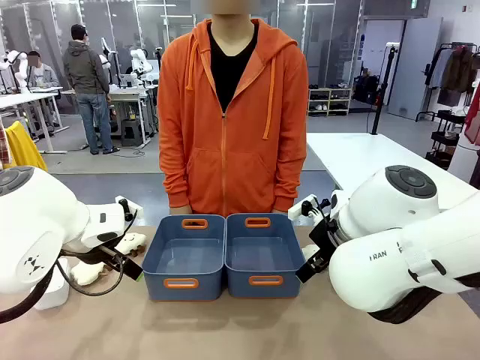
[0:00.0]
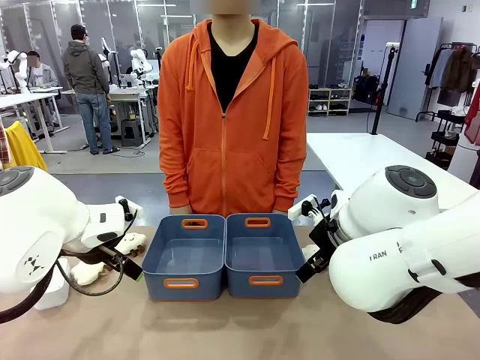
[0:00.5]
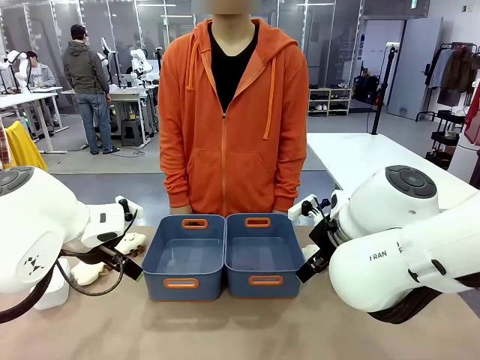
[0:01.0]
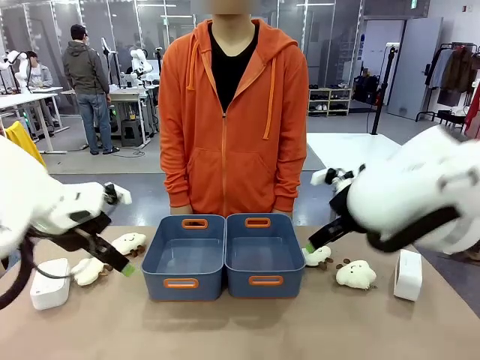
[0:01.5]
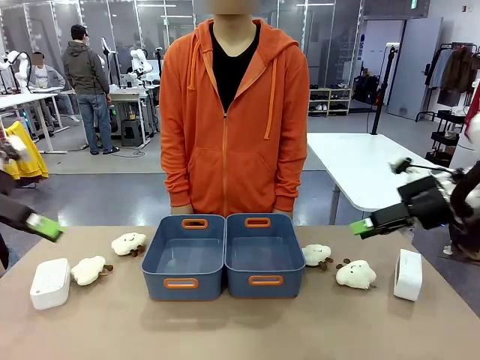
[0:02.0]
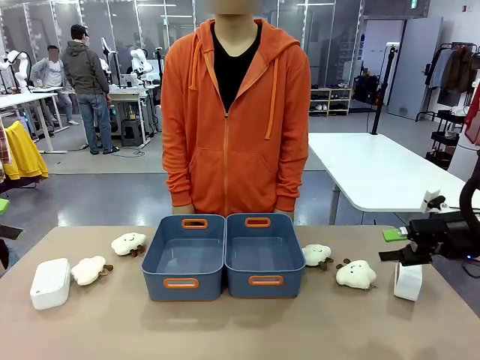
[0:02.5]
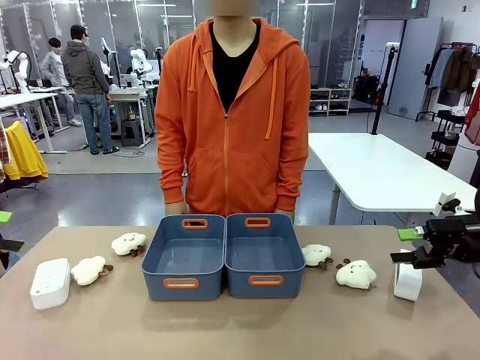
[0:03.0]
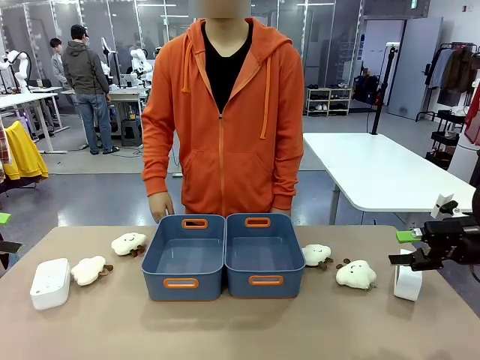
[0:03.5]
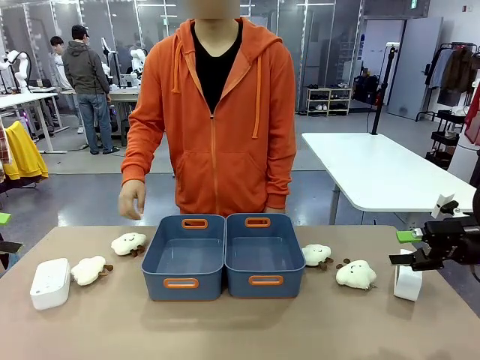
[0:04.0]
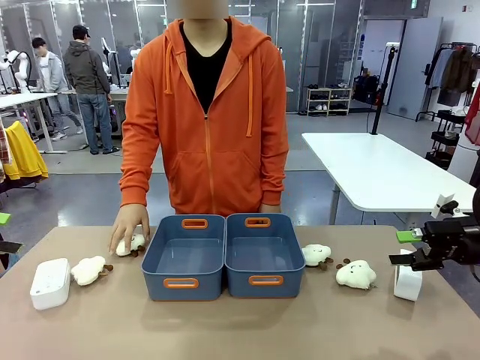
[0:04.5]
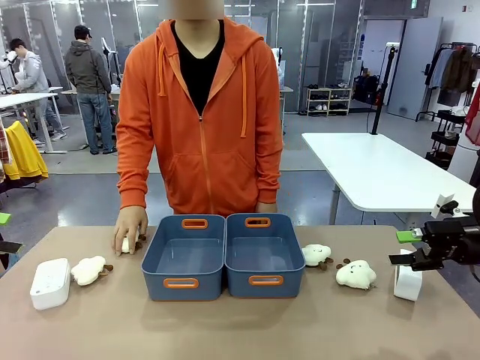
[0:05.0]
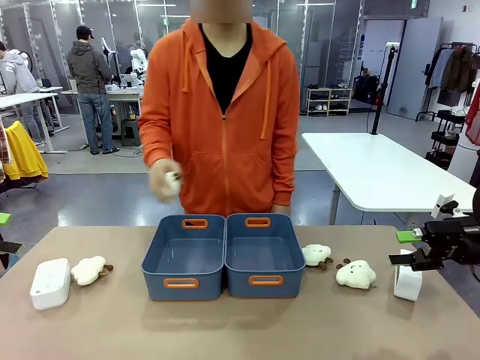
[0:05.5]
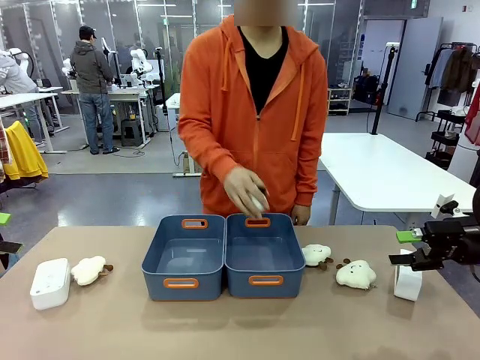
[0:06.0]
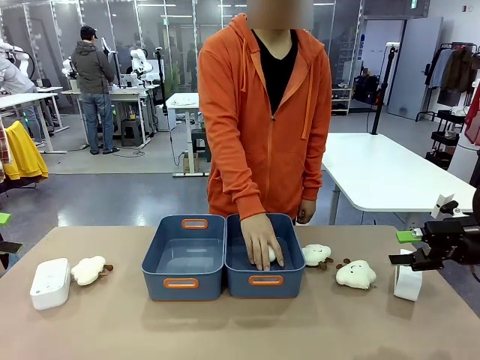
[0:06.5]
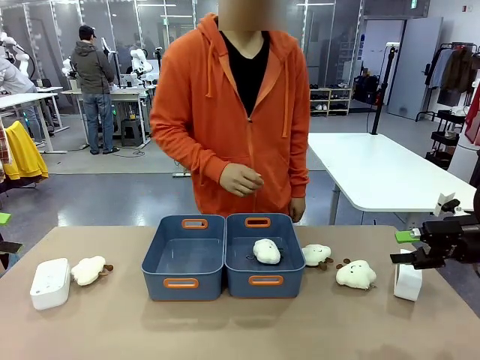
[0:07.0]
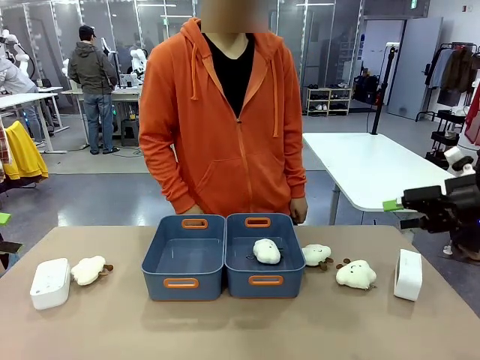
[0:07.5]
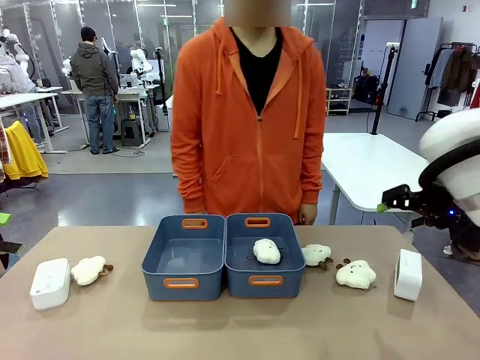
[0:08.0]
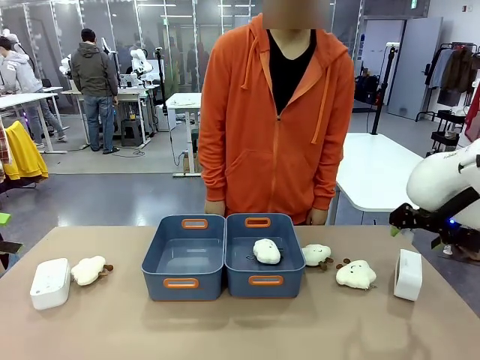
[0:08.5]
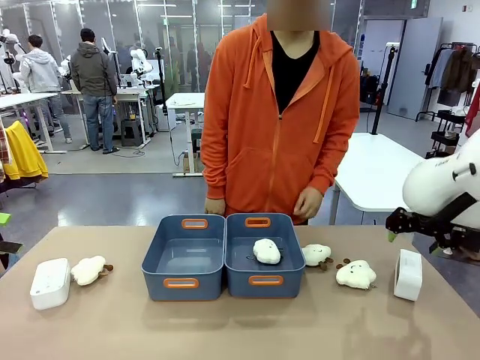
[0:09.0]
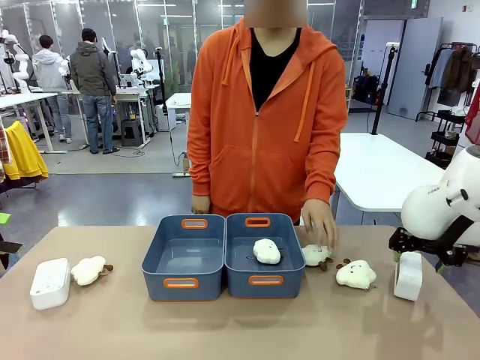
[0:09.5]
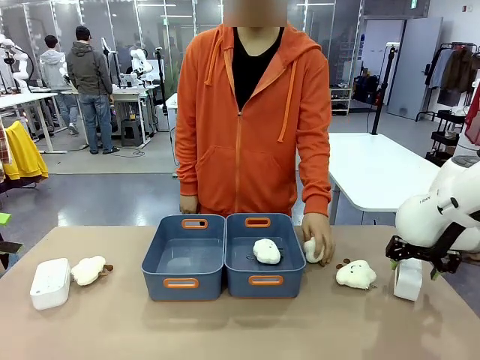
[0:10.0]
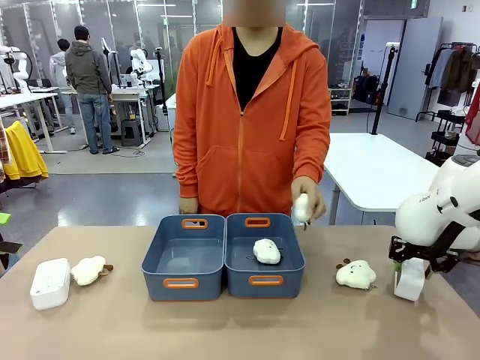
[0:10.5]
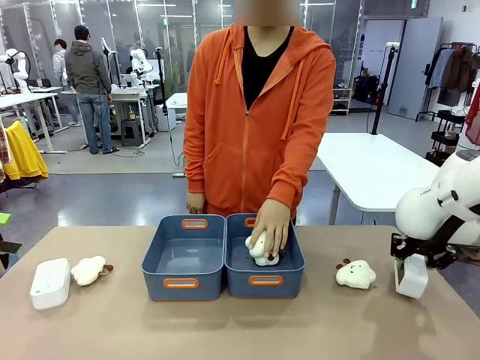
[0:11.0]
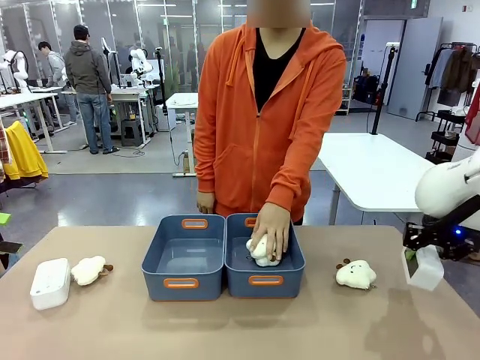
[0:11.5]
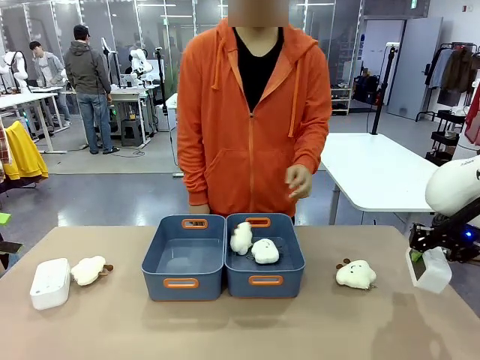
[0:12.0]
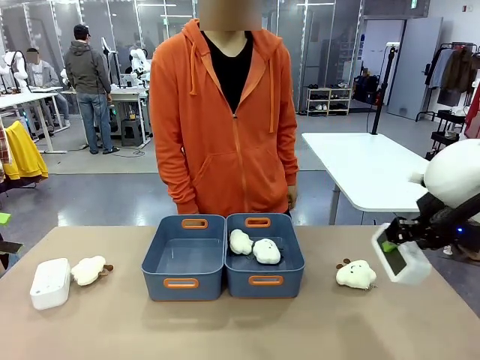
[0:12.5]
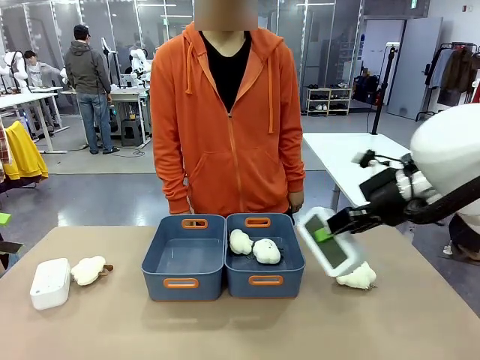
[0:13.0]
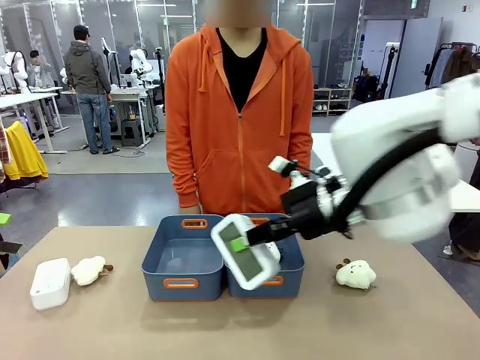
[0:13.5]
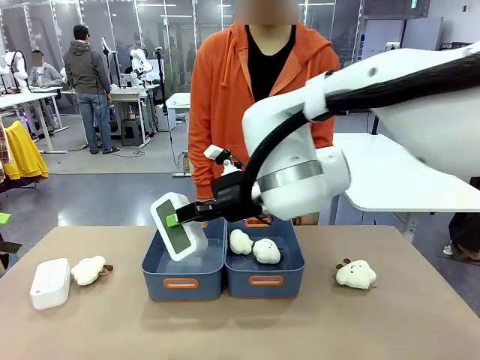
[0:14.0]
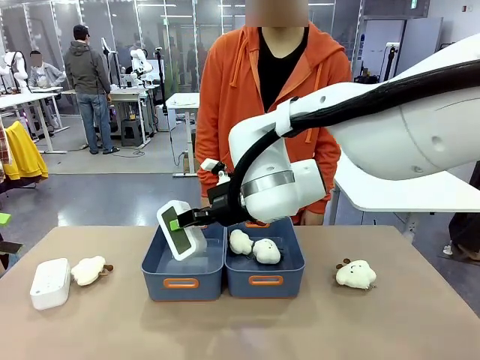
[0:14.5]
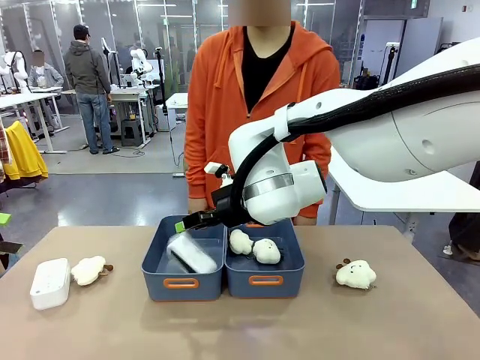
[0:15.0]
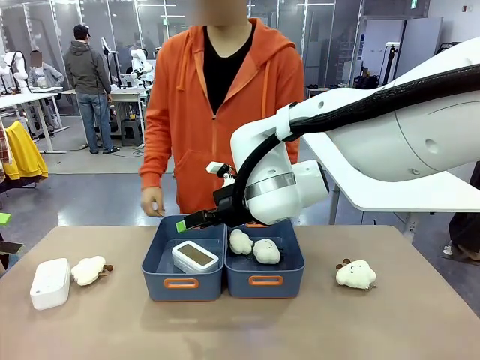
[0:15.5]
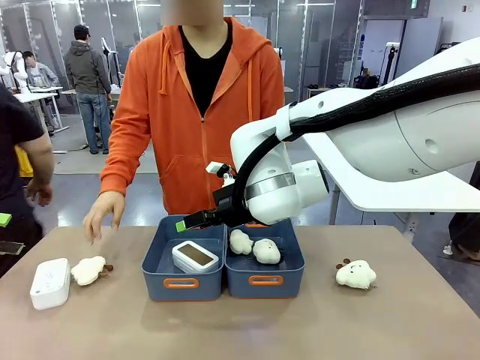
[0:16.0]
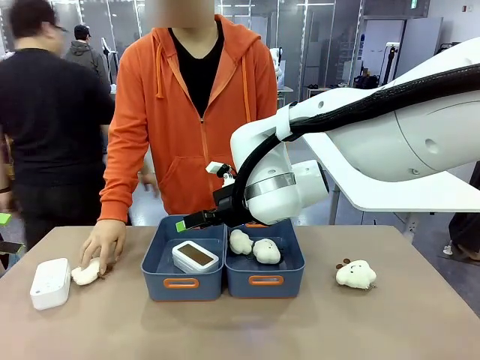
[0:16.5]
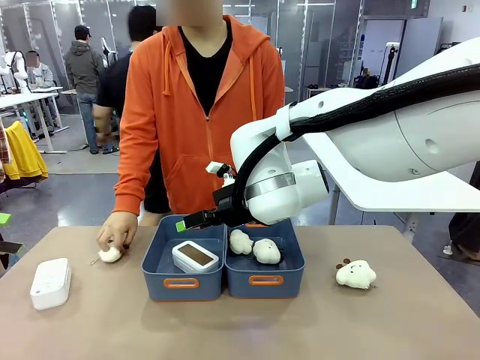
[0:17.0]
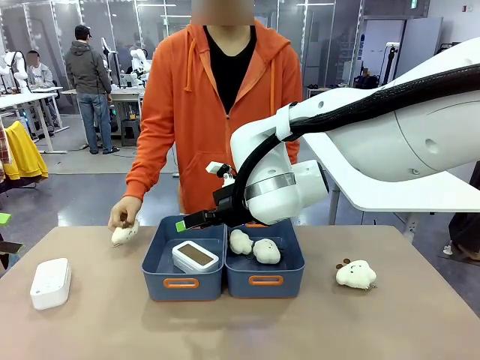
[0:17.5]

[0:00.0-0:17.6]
Task: Sort the digital clocks into the basket.
Robot: Pick up the Digital clock from the table and place it into the empty Plastic storage basket.
Person: Pick up a plush toy from the table and place it in a plastic storage basket.

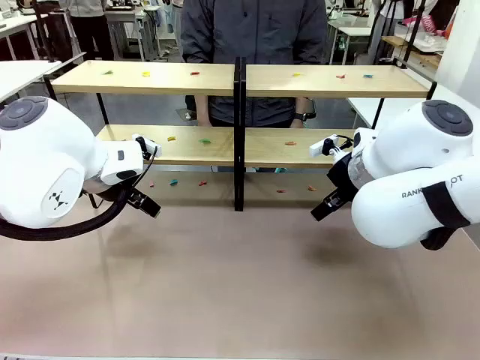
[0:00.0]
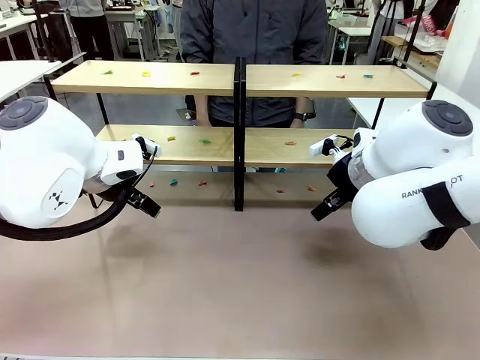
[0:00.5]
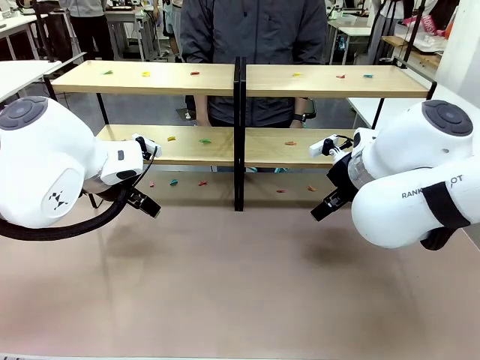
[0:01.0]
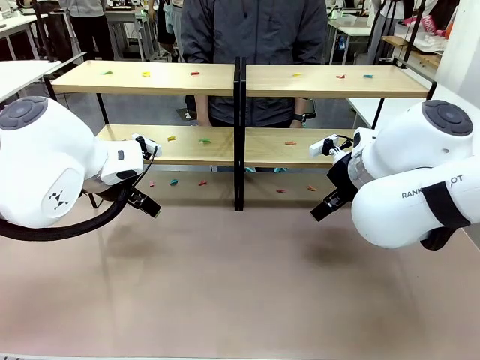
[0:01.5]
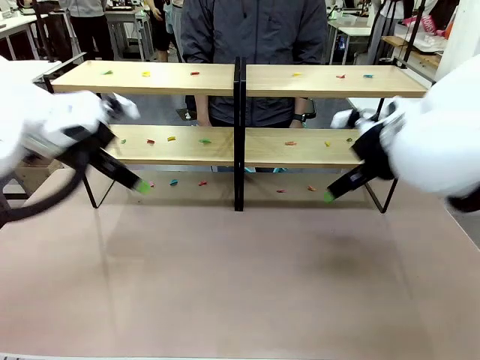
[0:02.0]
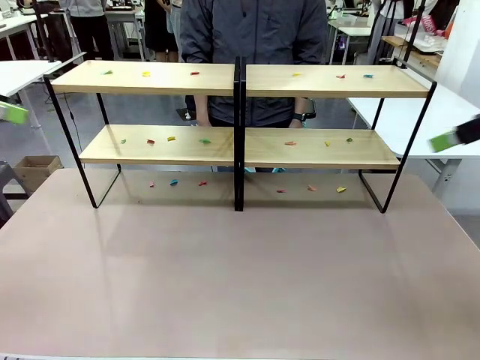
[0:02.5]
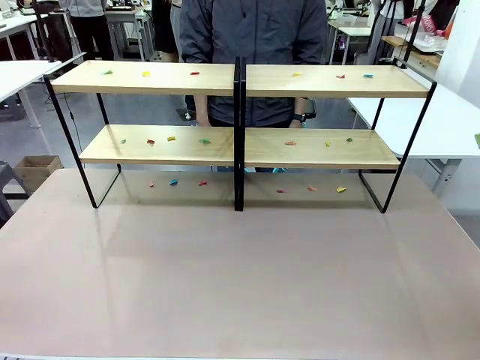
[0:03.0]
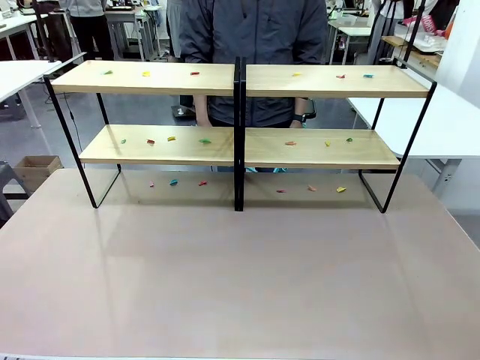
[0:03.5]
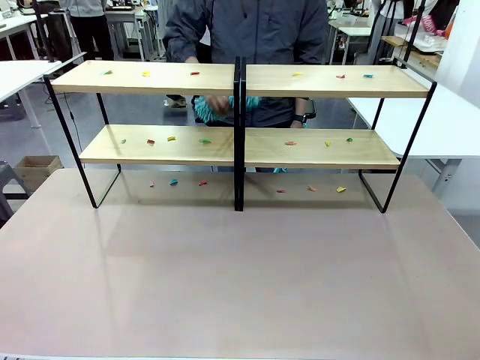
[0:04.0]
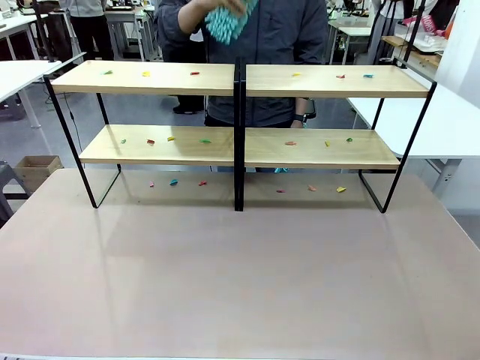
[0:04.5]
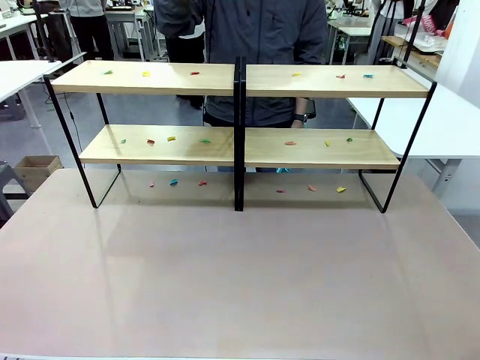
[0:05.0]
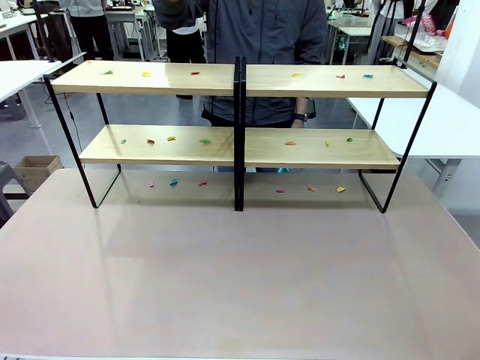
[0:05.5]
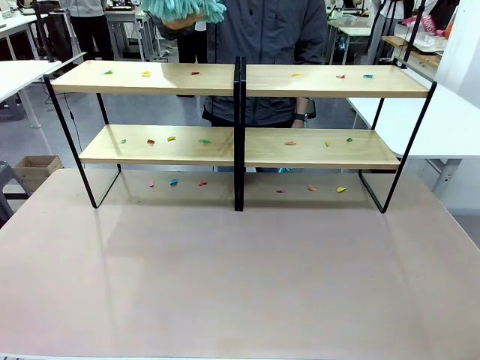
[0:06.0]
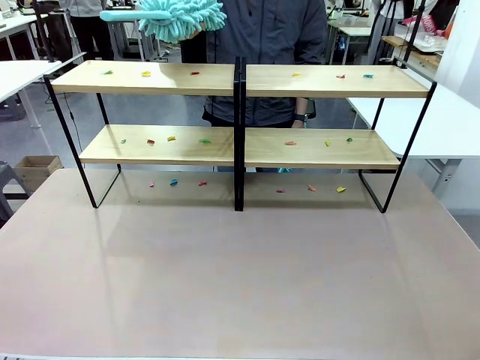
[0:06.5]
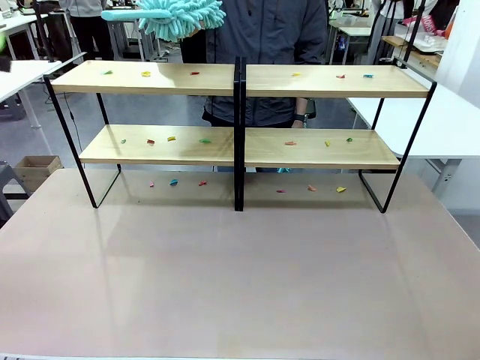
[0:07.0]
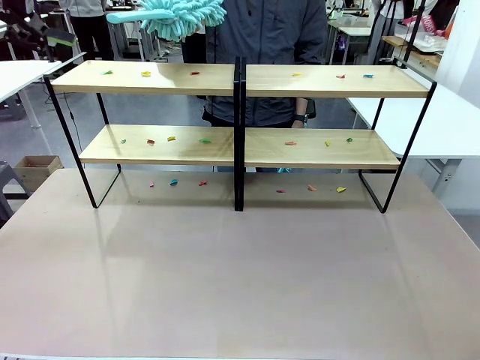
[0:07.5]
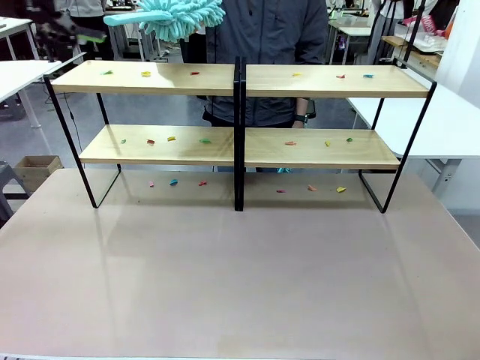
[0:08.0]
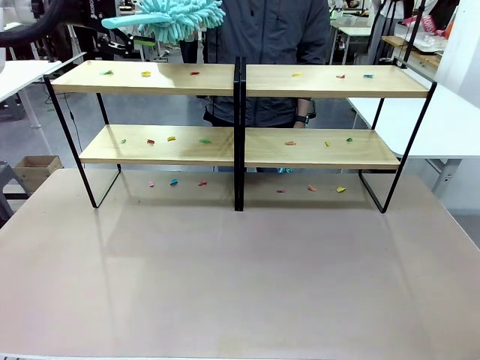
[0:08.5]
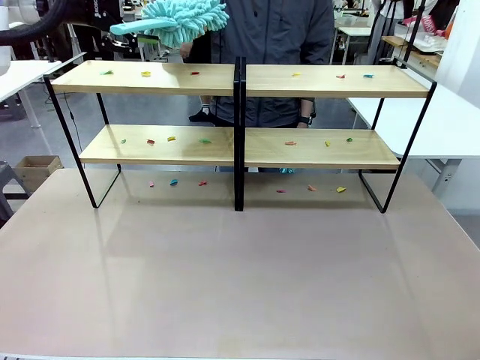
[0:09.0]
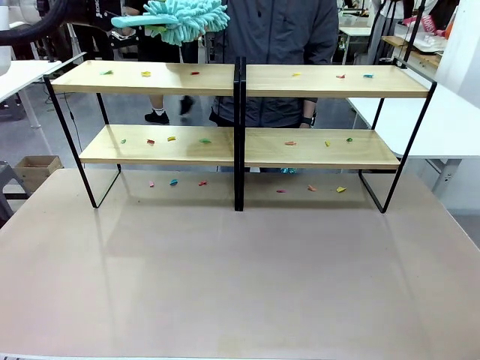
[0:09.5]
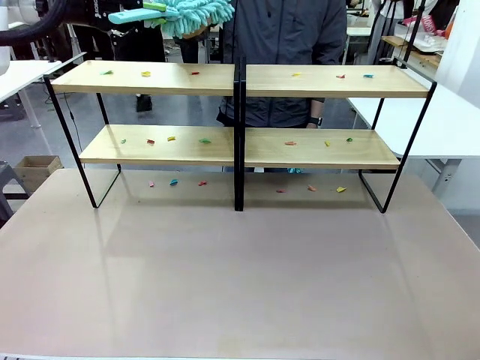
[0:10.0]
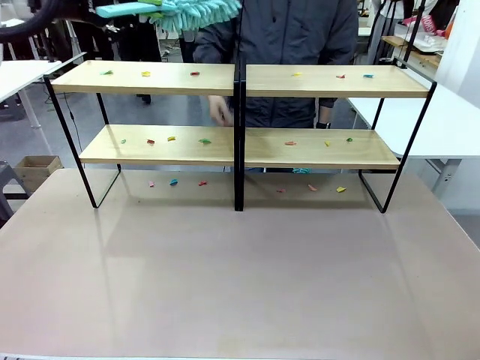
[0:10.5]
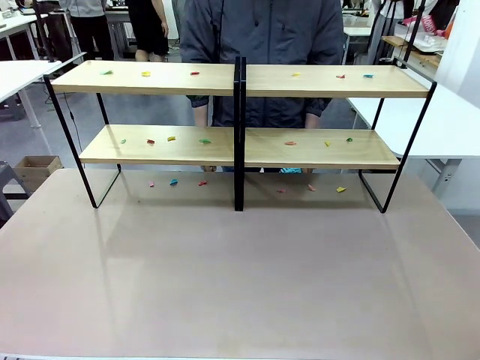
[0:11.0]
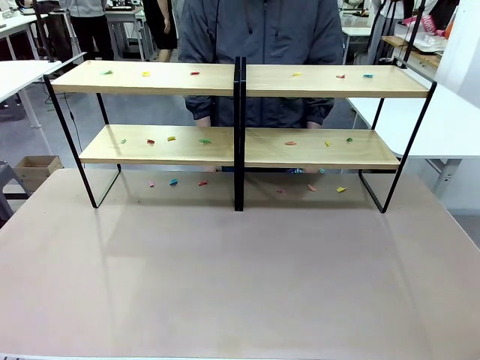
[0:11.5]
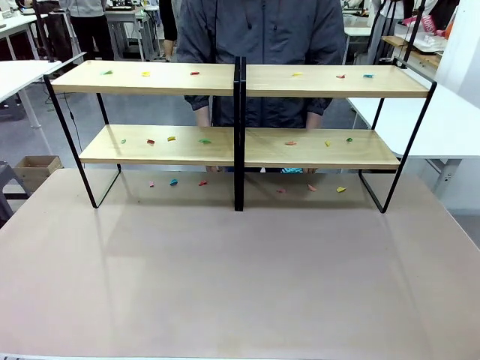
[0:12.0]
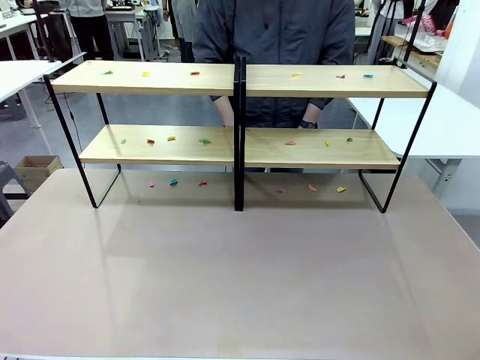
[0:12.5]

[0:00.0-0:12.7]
Task: Clean the shelves.
Robot: Pick up the Duster when the human hands it over.
Person: Hand the Duster to the robot with your right (or left) hand.
